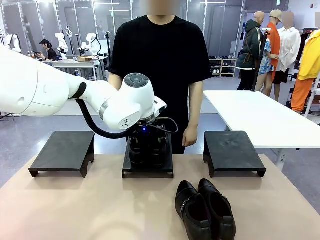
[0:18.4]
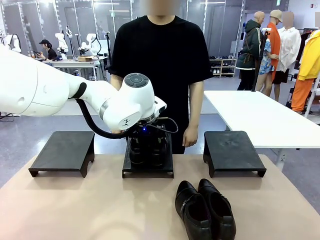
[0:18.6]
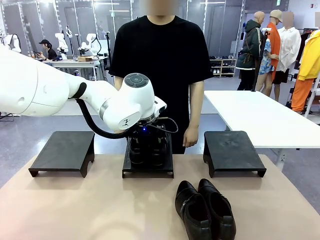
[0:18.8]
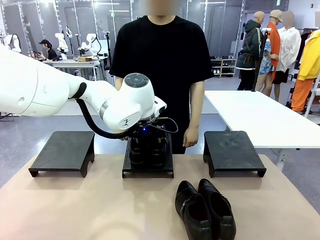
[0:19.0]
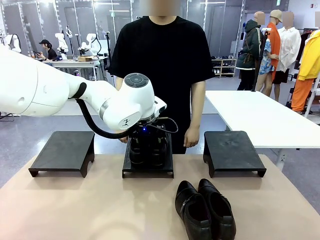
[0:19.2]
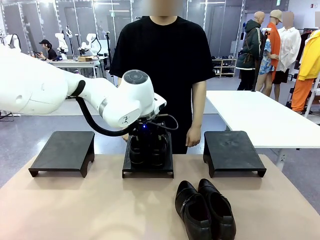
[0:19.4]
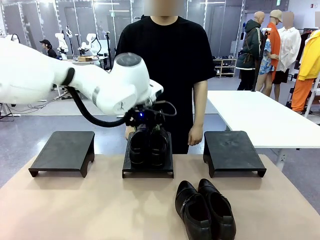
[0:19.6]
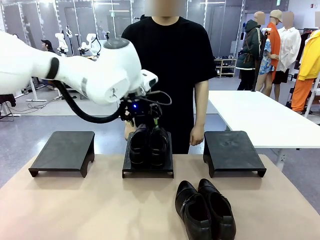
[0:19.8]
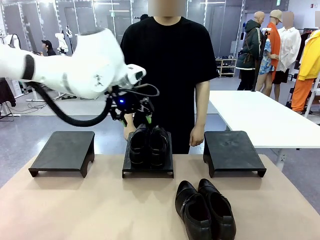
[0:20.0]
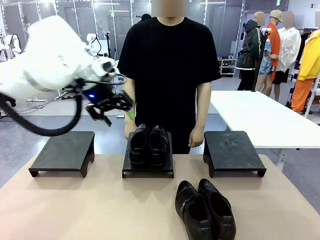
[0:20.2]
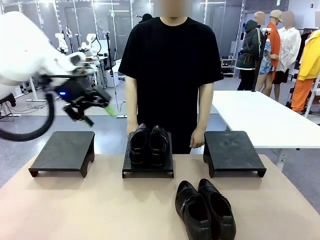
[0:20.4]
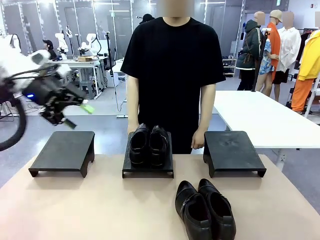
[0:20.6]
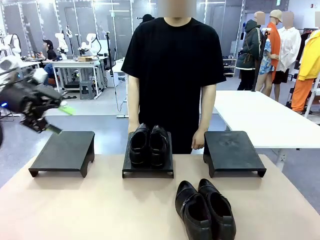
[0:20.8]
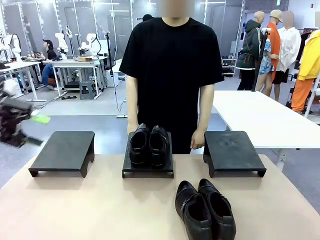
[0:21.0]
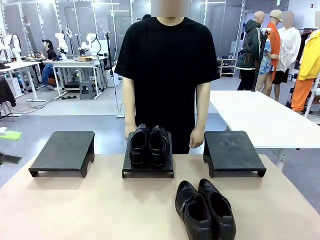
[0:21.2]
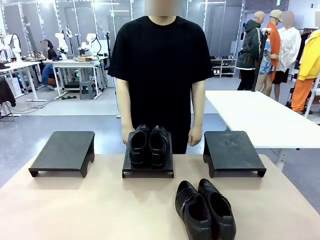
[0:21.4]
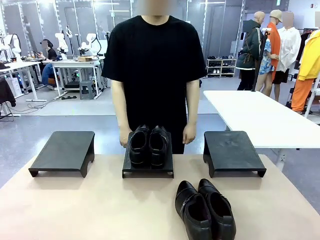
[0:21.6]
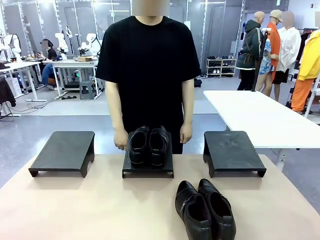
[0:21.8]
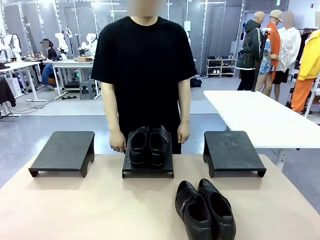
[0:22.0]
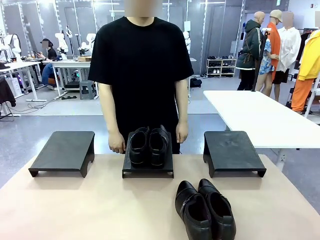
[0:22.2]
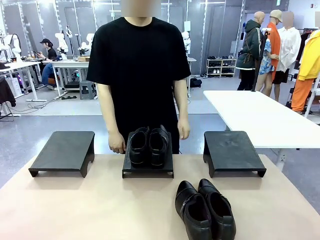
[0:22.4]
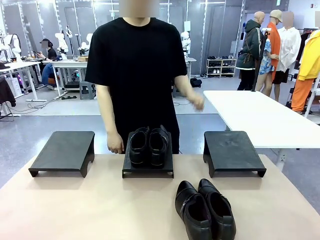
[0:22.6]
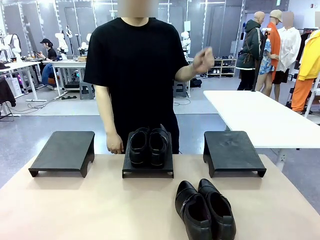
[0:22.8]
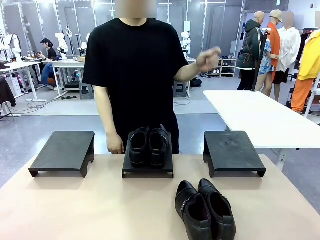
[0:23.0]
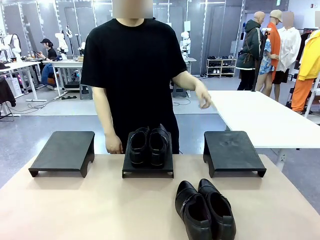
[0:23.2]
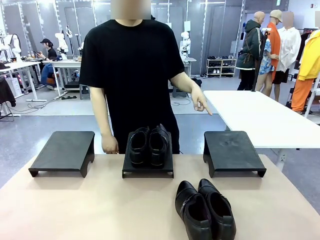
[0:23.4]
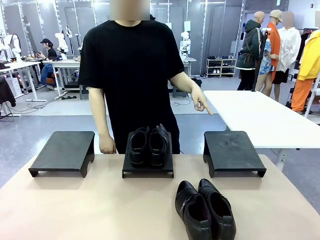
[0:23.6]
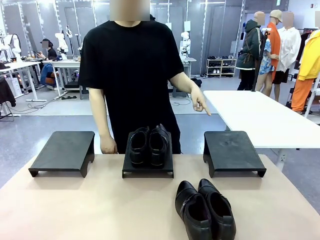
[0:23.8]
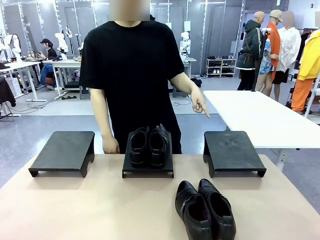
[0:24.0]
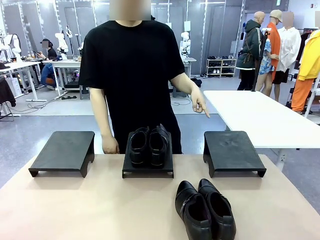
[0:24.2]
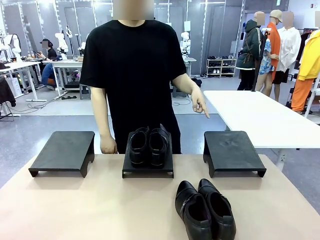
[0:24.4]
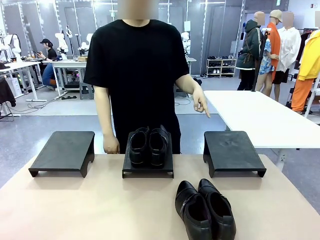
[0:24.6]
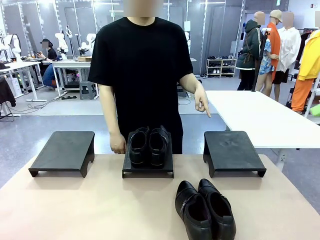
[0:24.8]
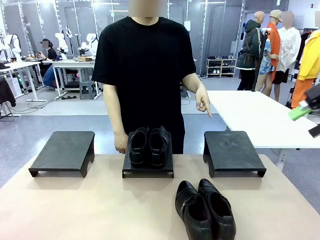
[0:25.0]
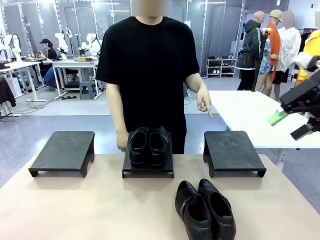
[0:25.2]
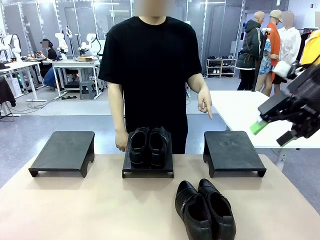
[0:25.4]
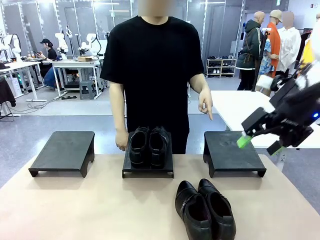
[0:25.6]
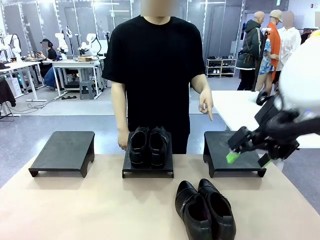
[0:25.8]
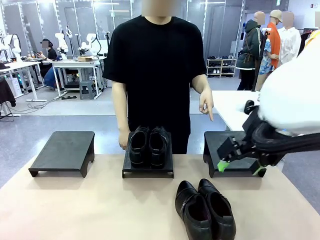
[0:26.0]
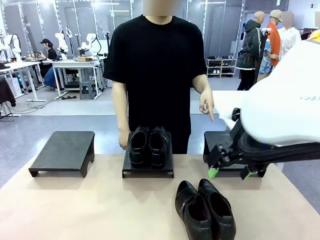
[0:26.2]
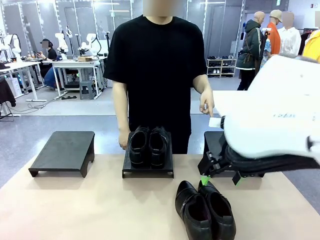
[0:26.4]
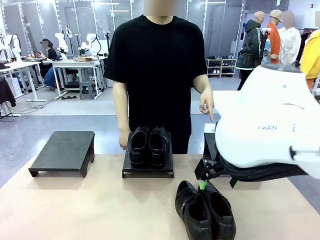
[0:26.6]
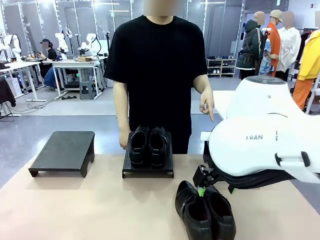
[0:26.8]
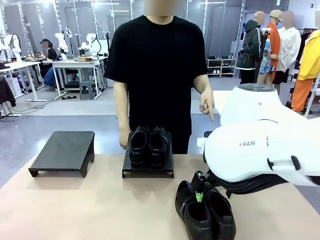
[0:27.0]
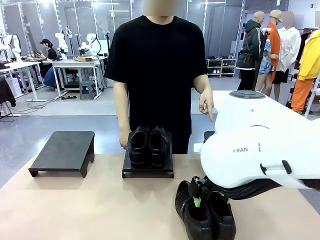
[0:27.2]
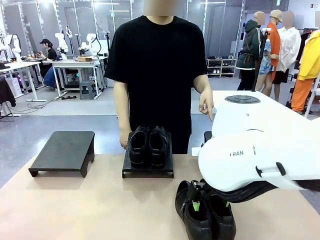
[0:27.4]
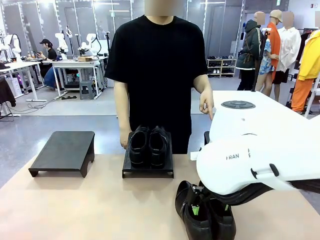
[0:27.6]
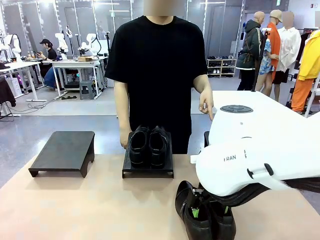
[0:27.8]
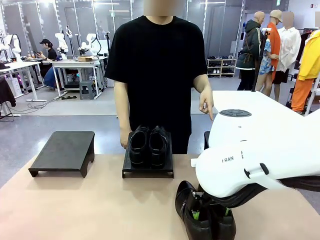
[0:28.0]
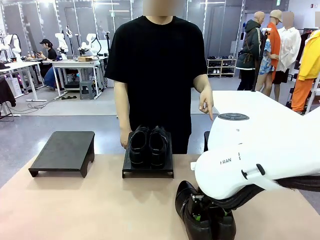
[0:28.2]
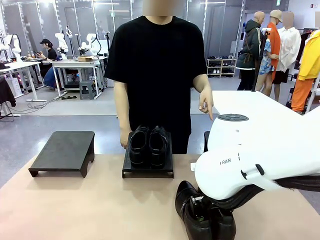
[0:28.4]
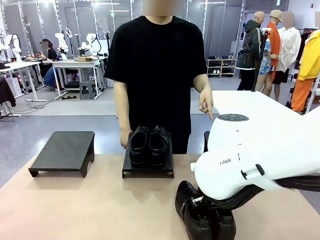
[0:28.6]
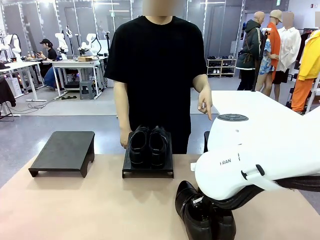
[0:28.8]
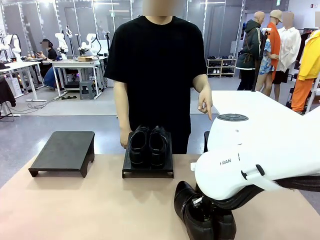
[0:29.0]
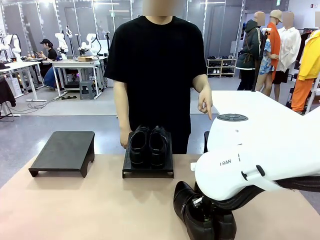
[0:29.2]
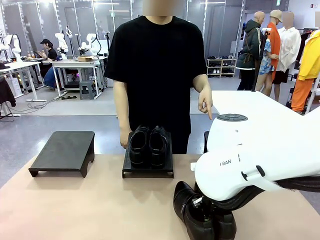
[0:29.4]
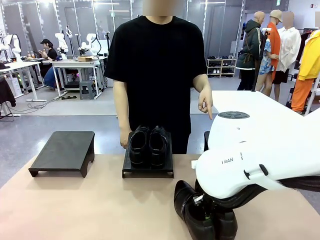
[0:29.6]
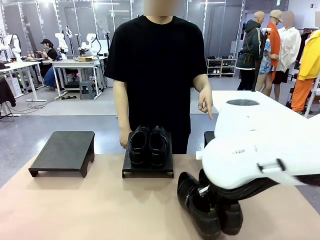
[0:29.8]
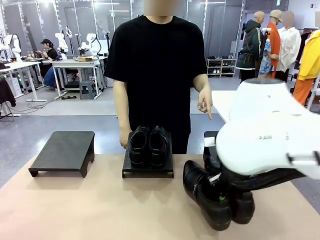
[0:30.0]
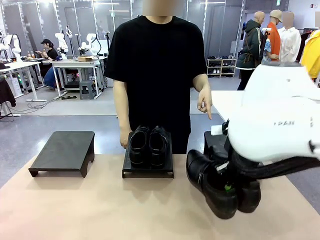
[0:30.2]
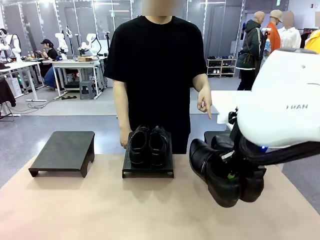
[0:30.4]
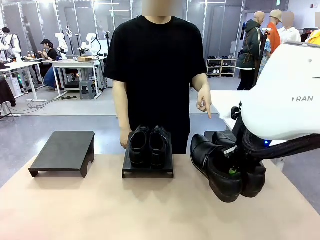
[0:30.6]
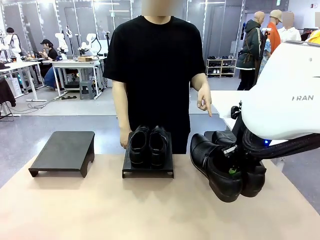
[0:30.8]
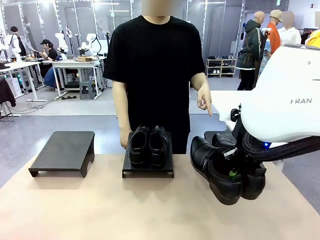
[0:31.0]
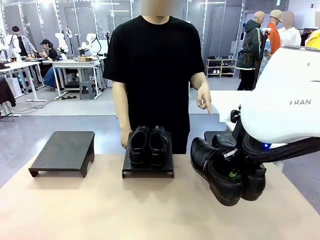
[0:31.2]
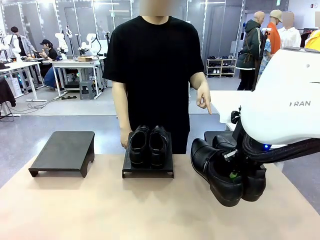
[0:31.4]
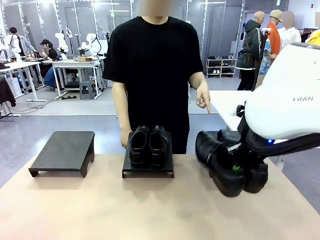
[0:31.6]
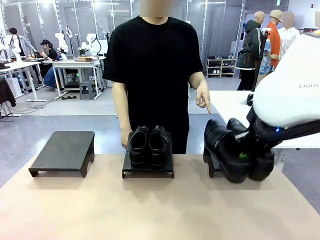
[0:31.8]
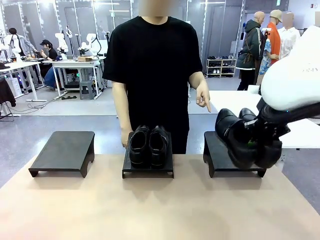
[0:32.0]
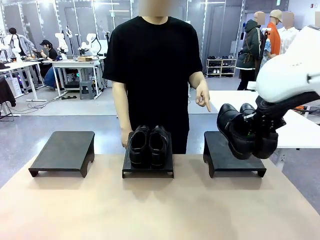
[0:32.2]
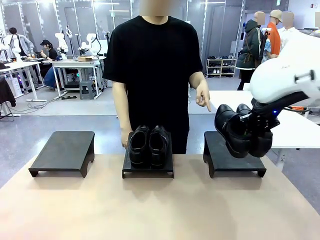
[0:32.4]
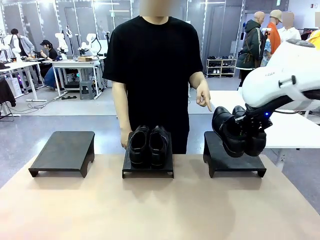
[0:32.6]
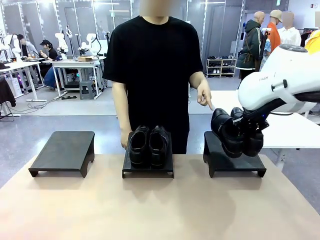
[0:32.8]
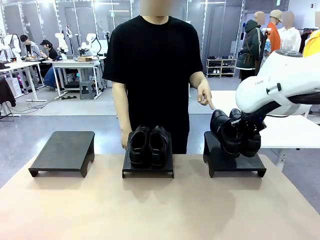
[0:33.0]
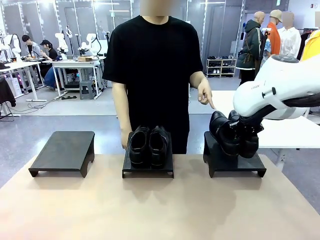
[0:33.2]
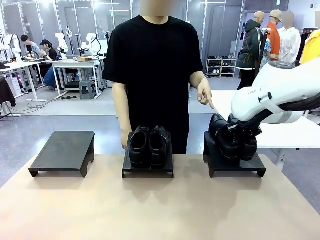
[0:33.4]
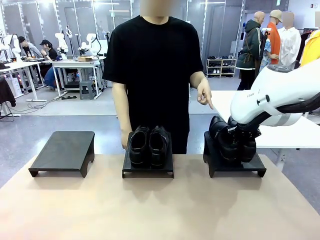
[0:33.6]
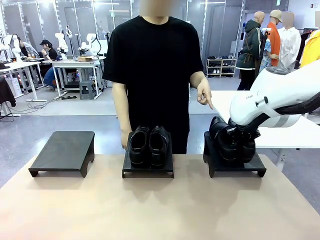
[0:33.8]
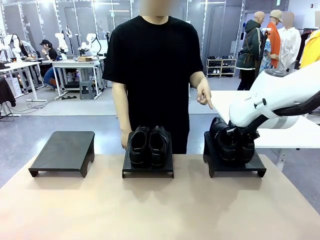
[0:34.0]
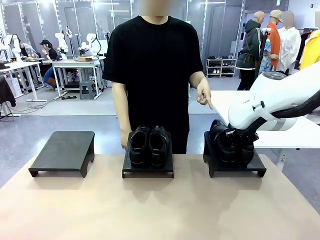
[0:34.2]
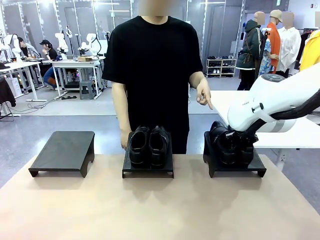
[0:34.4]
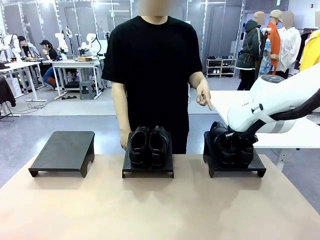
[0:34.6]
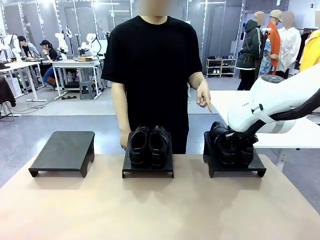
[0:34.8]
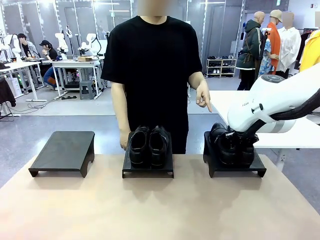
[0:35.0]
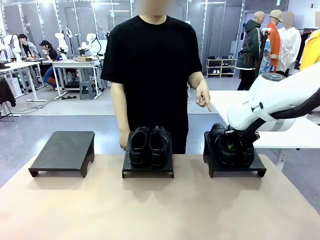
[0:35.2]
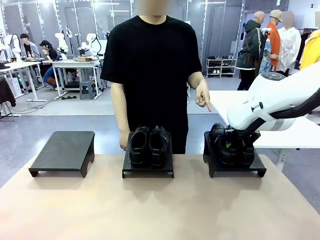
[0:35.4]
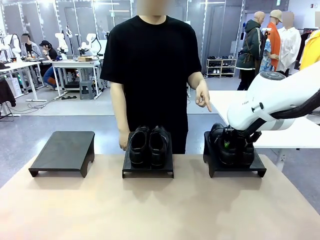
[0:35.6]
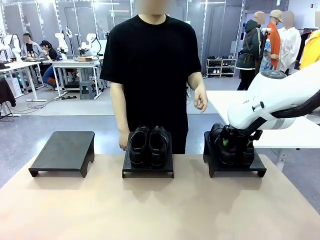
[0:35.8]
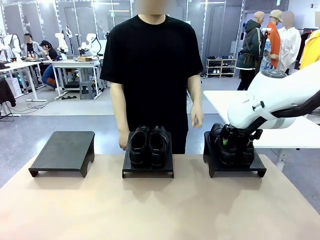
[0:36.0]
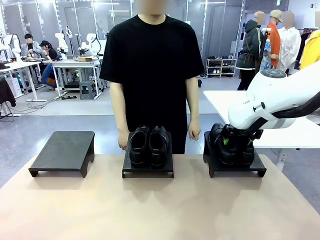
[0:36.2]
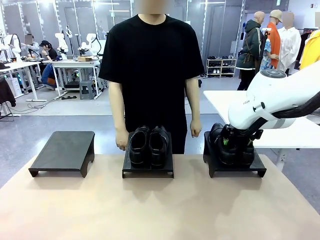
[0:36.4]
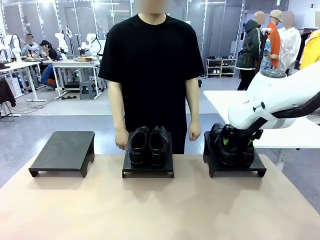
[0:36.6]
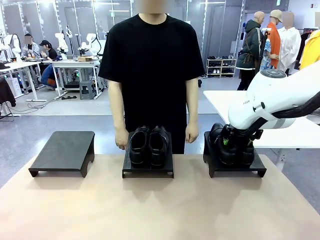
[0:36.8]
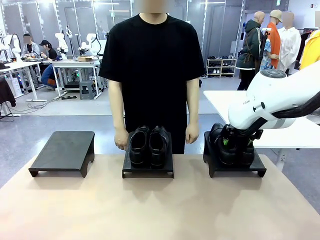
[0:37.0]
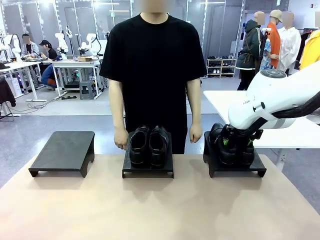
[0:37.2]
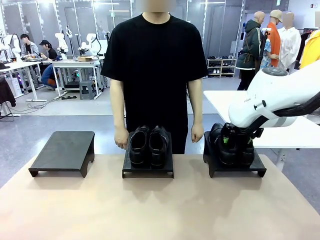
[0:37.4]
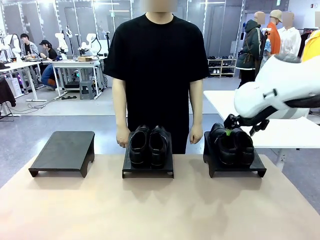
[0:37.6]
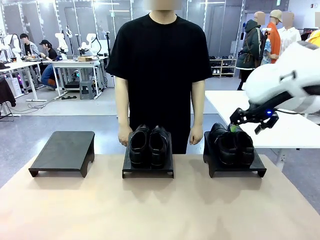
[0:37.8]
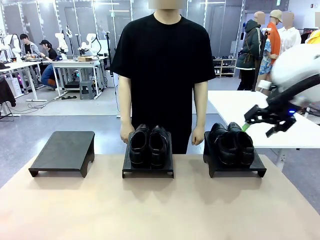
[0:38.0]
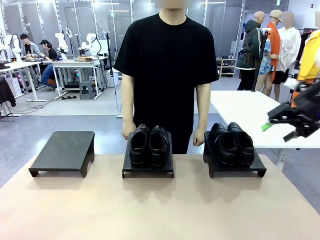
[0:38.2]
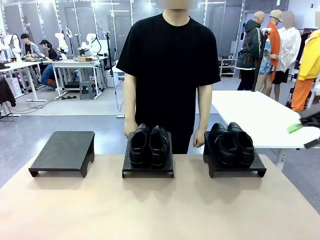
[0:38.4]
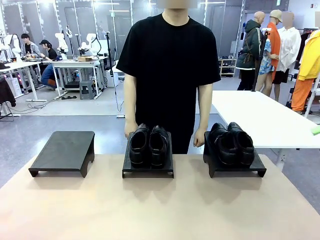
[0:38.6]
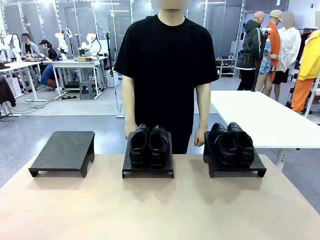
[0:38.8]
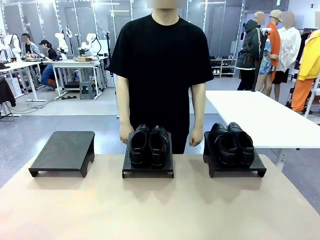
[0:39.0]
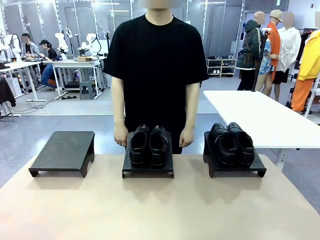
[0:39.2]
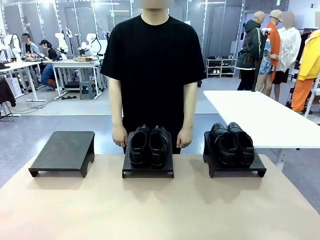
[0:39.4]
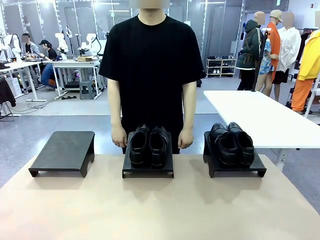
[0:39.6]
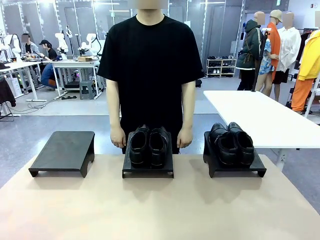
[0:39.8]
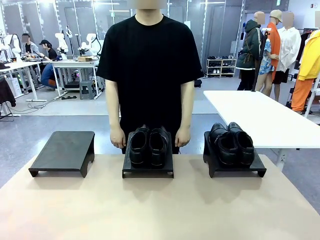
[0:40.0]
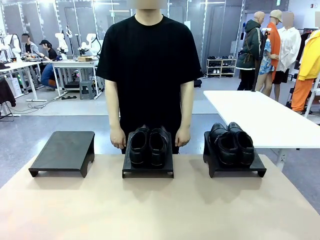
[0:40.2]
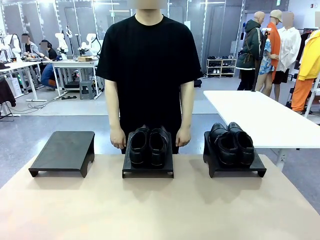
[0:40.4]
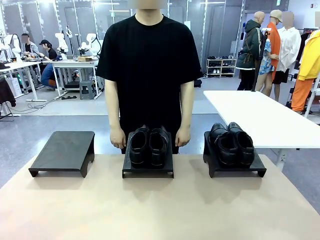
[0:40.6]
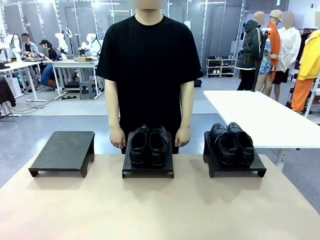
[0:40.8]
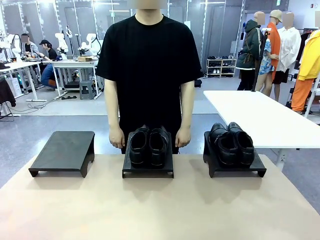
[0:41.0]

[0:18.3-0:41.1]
Task: Place the shoes on the stand as instructed by the person.
Robot: Pick up another pair of Shoes and place it on the Shoes Stand indicated by the person.
Person: Point to one Shoes Stand.
